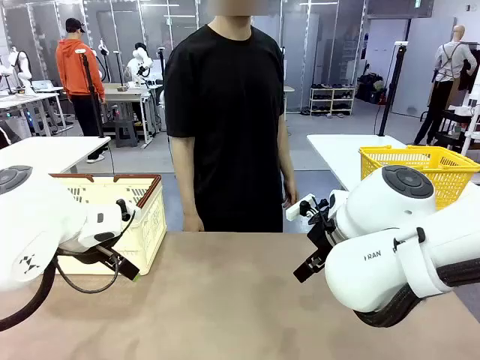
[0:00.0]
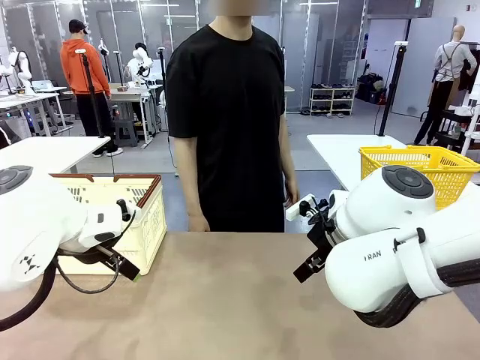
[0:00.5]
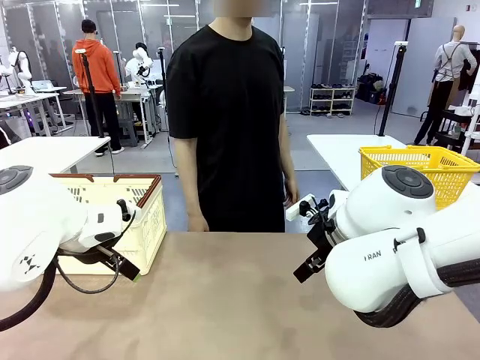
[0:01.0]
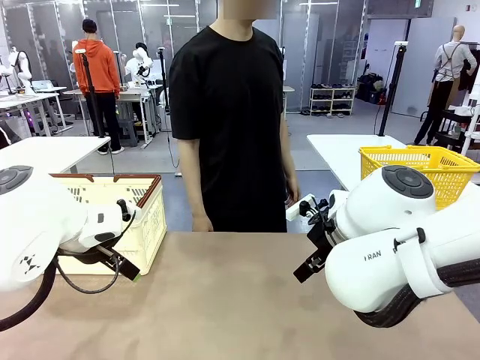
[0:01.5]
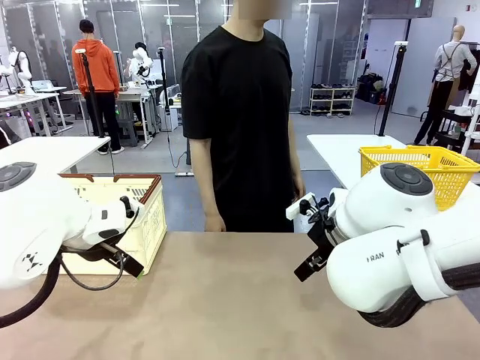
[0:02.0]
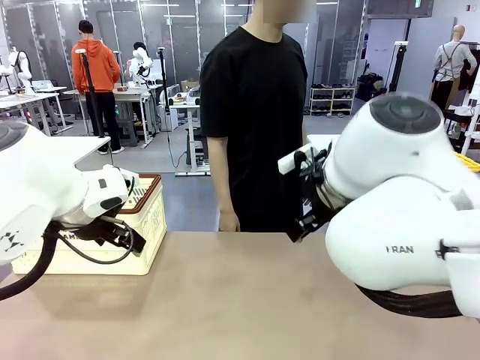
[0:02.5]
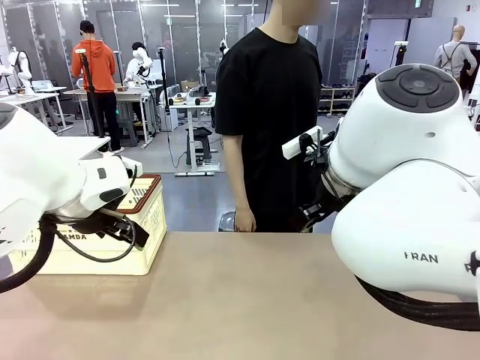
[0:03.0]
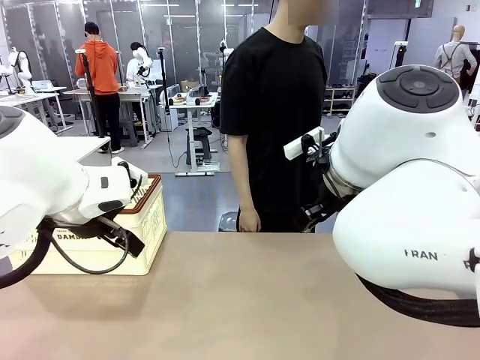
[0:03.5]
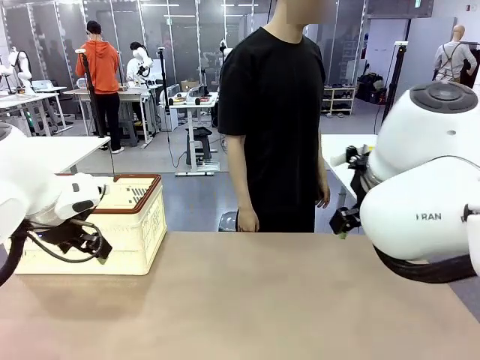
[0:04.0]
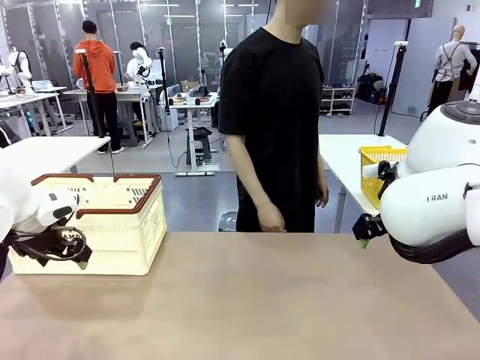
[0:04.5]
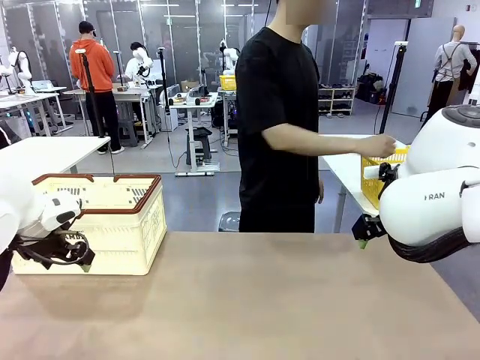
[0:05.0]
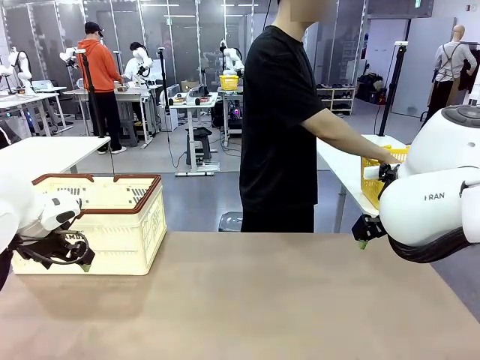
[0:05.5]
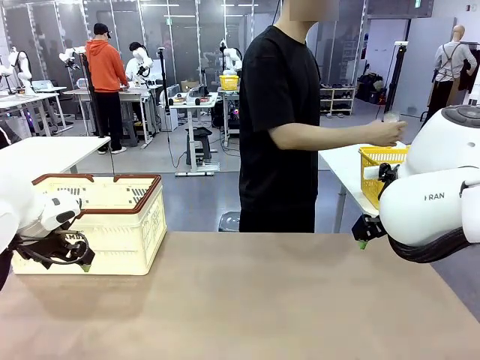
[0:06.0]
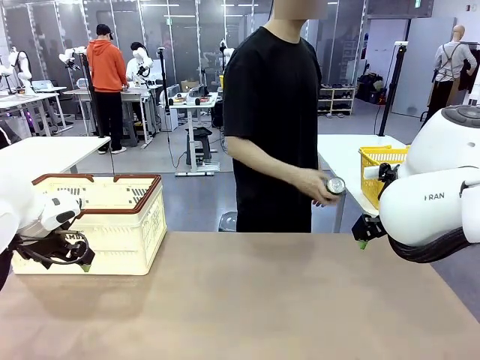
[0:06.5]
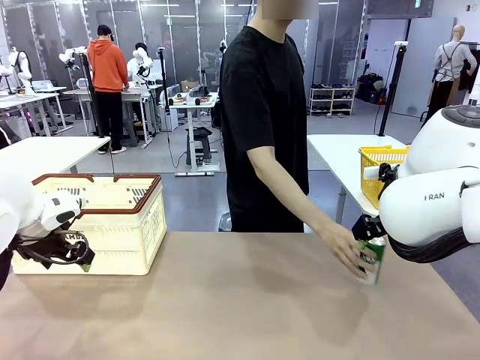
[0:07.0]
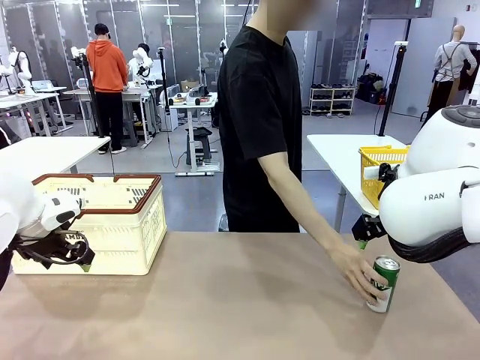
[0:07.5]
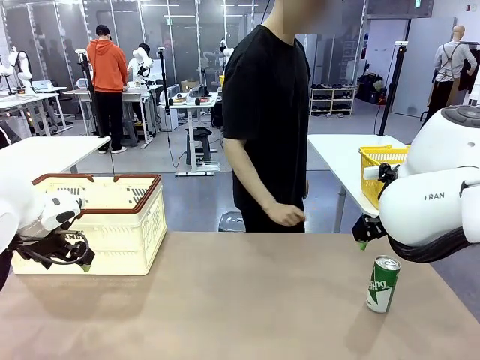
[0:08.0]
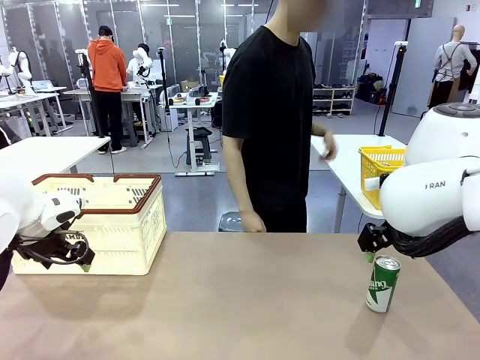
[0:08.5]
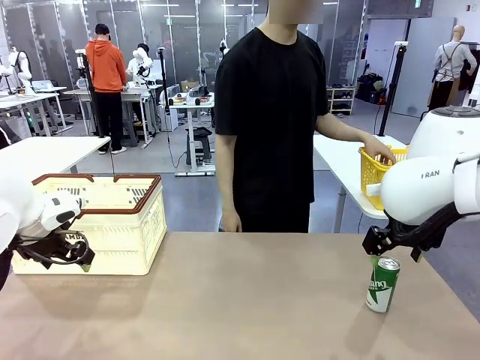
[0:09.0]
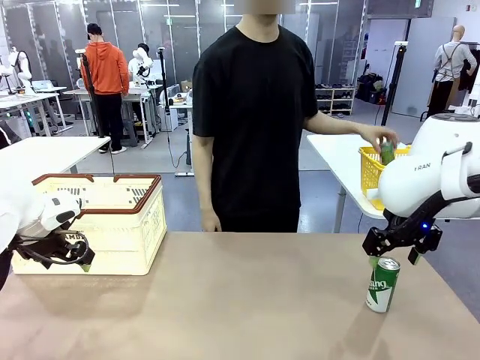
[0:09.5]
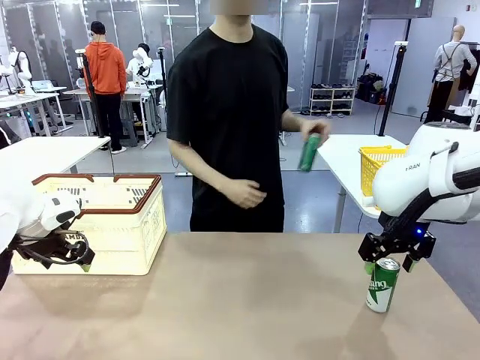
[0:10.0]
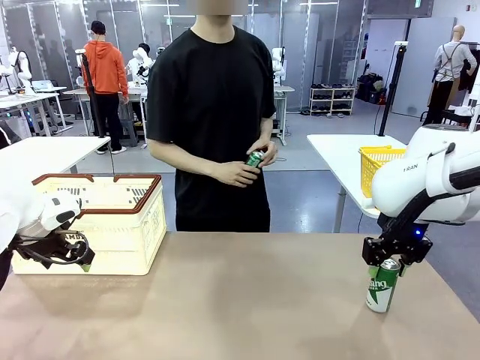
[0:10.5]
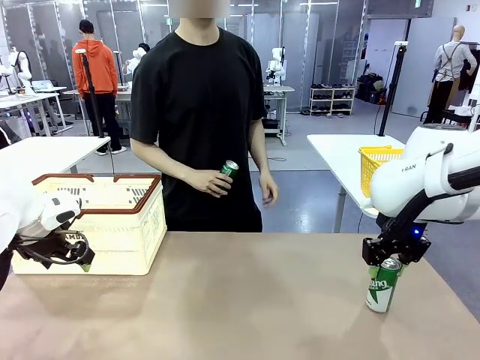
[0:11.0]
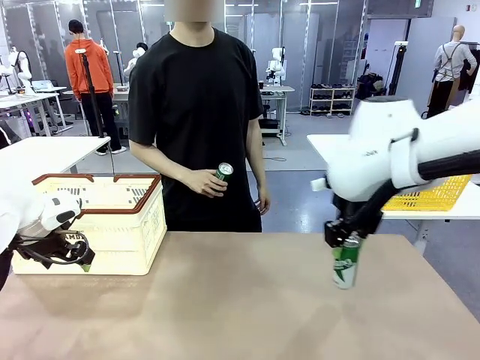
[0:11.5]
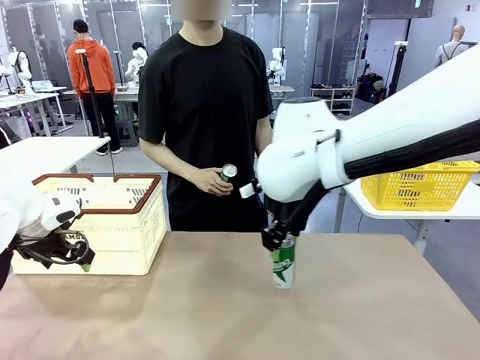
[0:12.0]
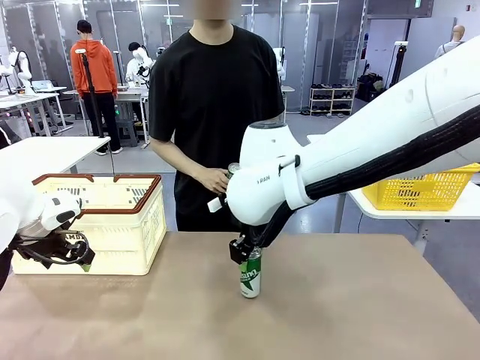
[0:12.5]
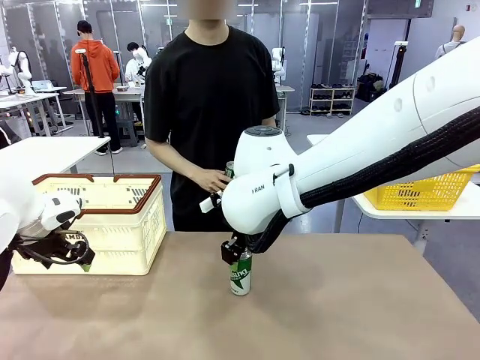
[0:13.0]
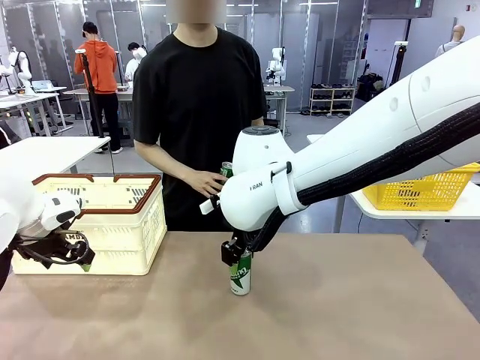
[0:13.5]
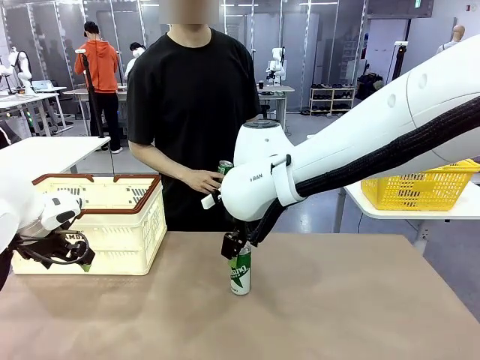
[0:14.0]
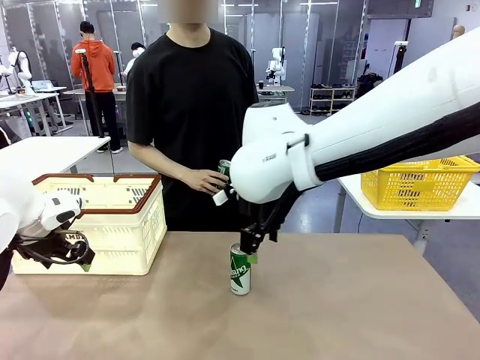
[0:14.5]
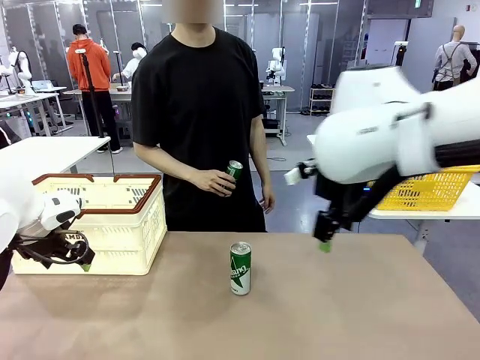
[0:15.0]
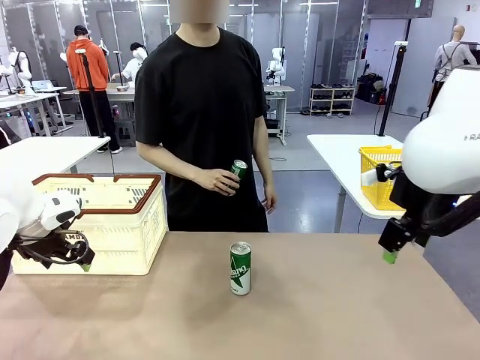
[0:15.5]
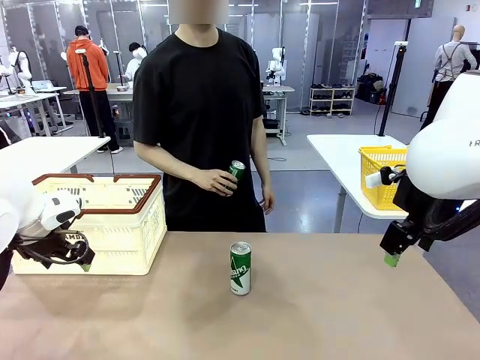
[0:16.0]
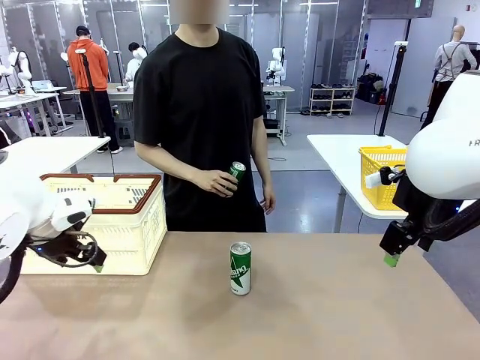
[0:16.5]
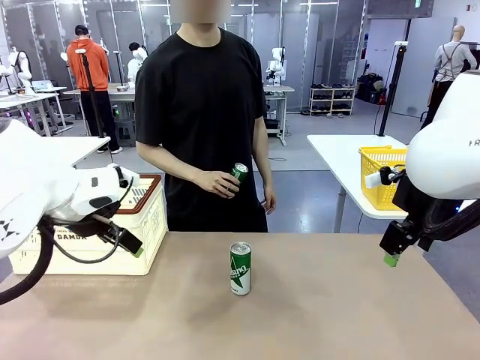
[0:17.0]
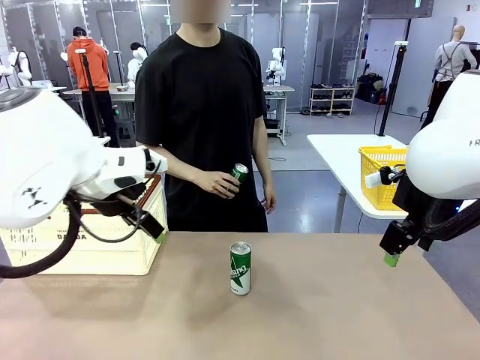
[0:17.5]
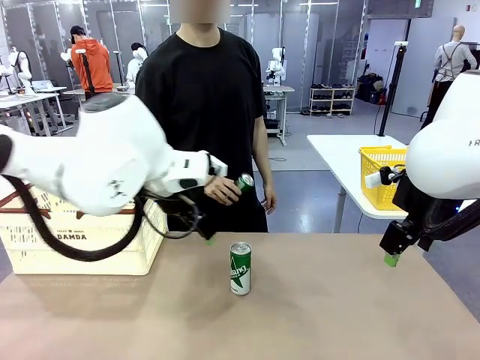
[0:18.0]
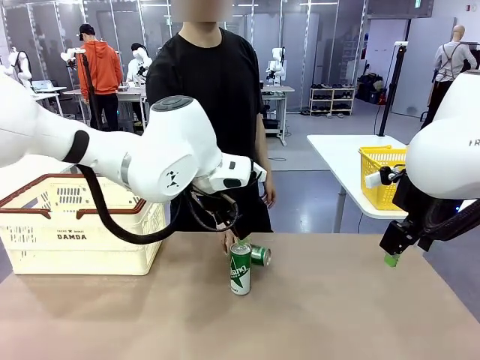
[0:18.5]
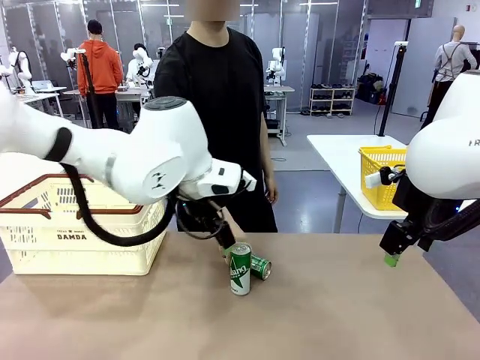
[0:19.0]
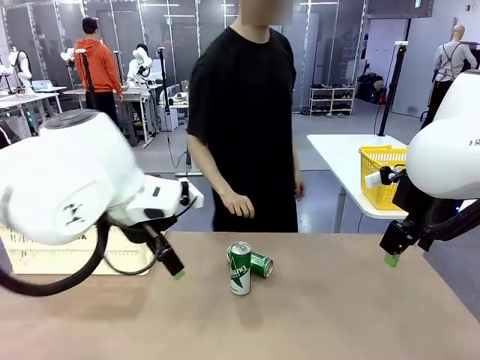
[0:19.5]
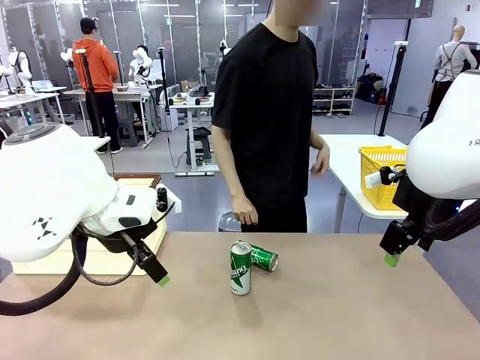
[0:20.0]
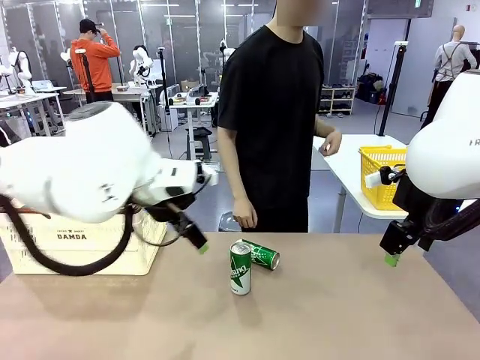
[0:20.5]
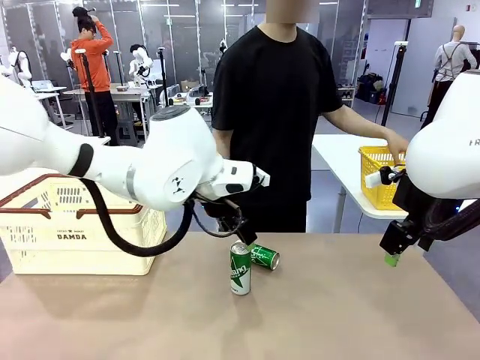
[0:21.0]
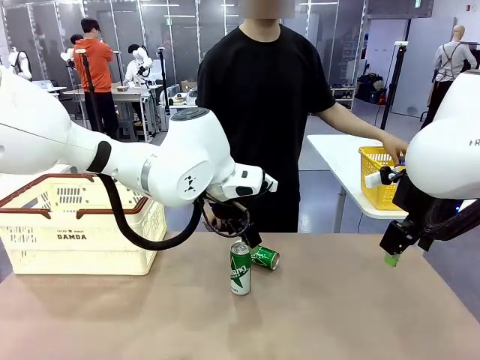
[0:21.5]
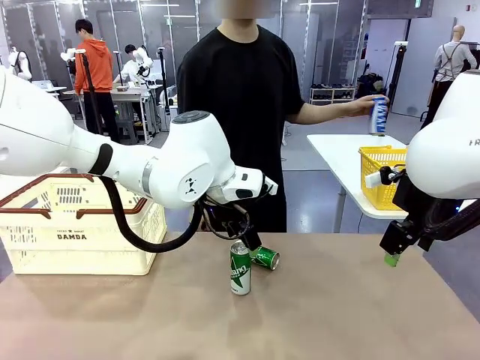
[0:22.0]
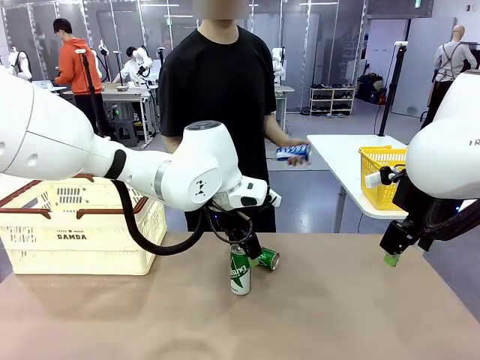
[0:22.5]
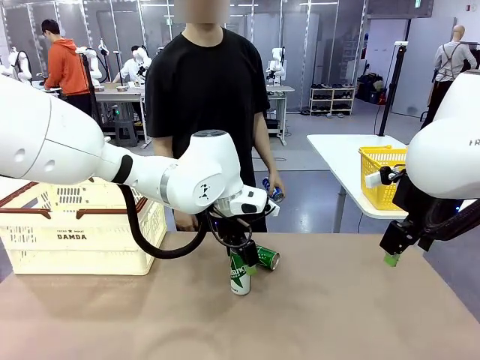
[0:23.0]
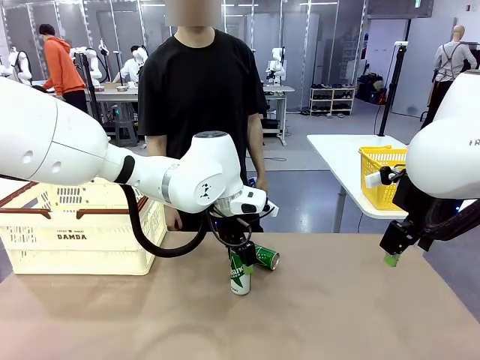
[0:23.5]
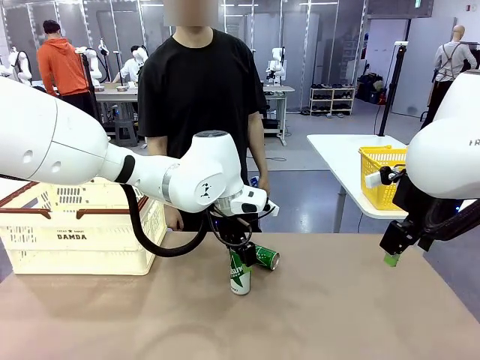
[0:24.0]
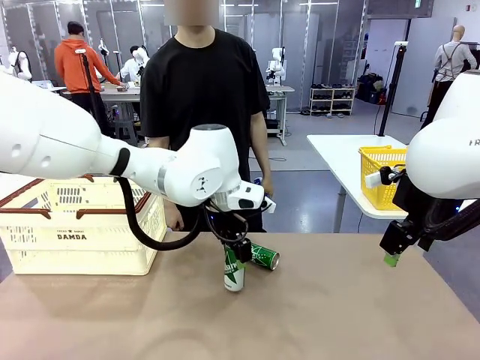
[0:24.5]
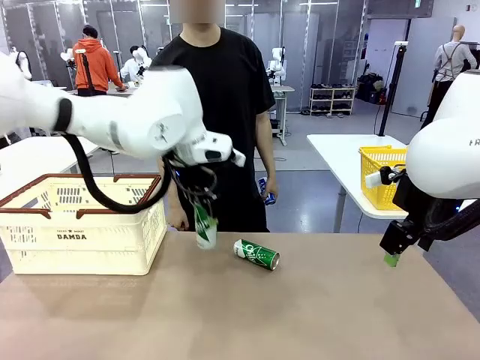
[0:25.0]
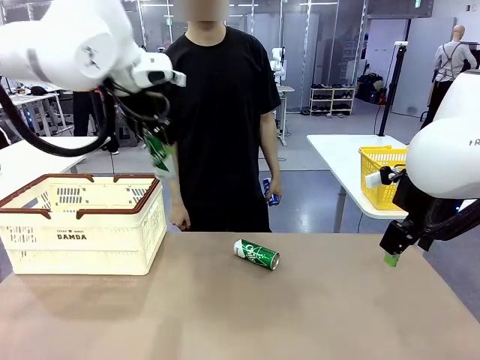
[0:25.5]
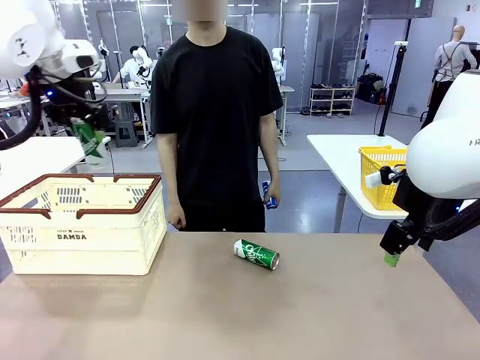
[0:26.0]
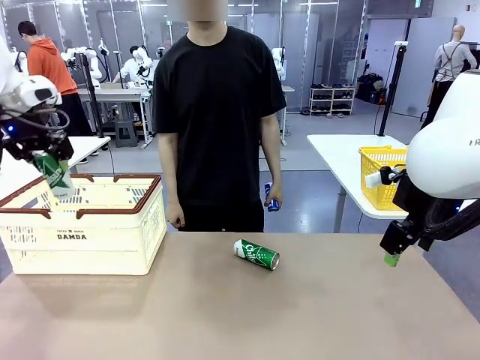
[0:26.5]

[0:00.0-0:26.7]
Task: Place the drinks into the Shopping basket.
Robot: Pick up one drink and place it into the Shopping basket.
